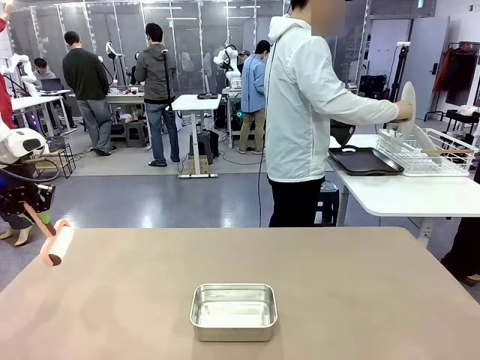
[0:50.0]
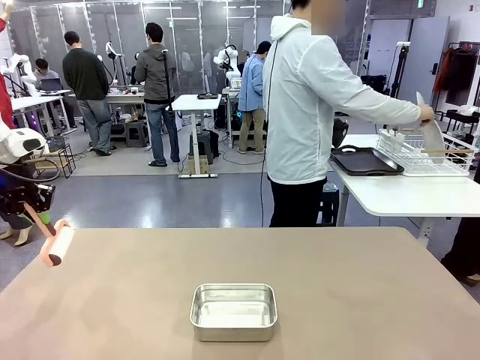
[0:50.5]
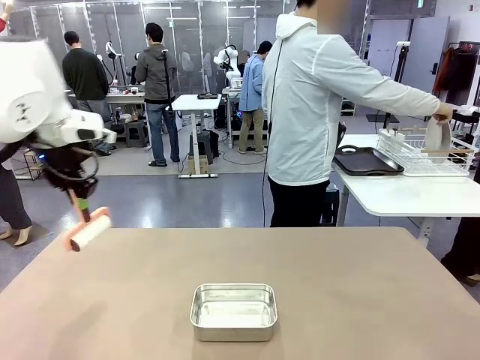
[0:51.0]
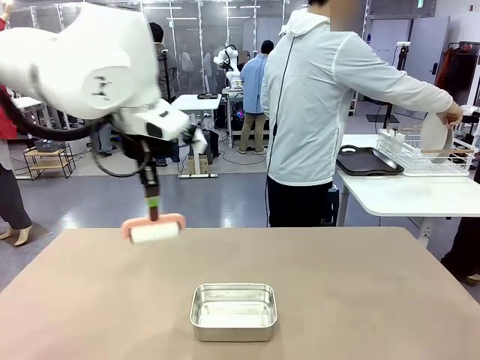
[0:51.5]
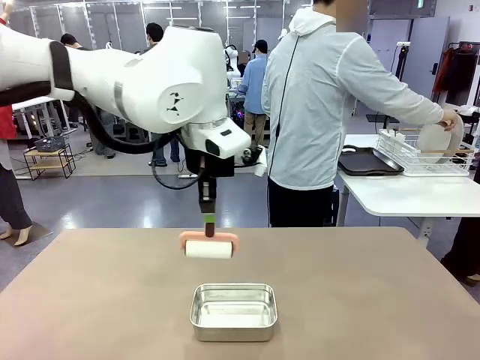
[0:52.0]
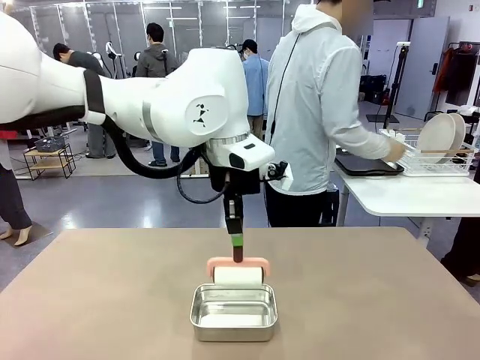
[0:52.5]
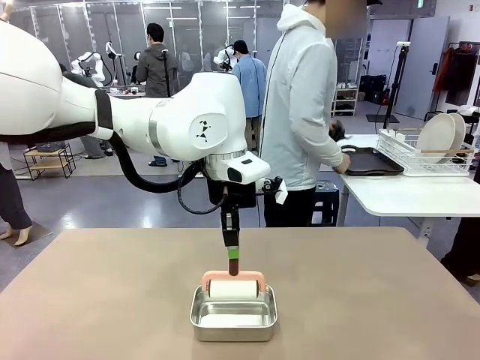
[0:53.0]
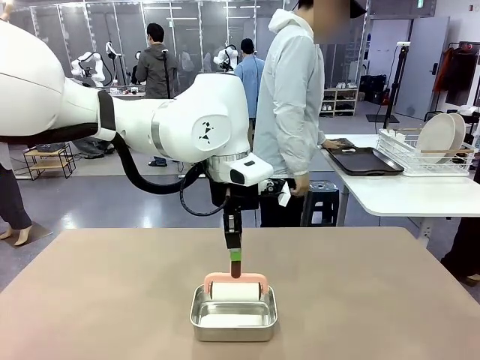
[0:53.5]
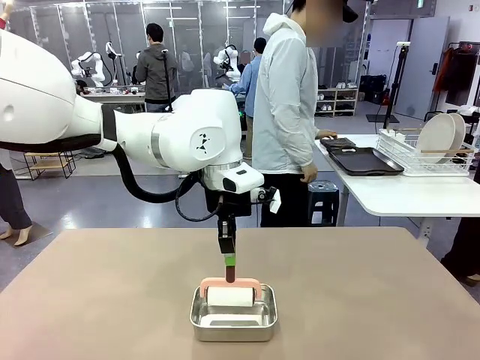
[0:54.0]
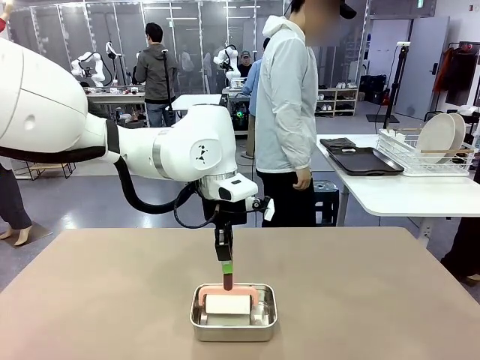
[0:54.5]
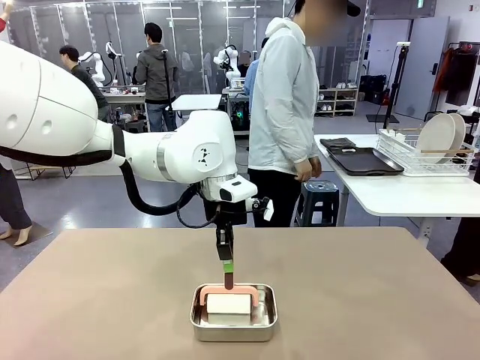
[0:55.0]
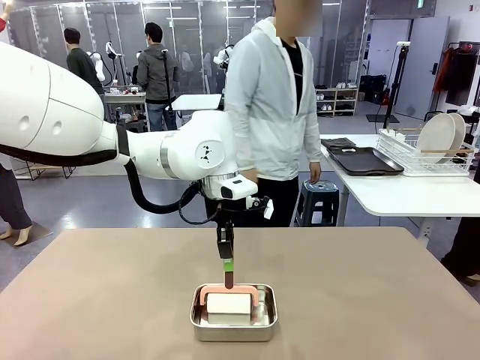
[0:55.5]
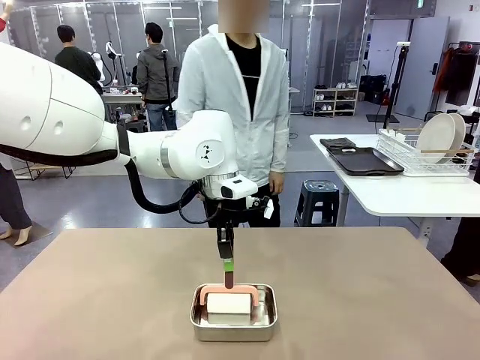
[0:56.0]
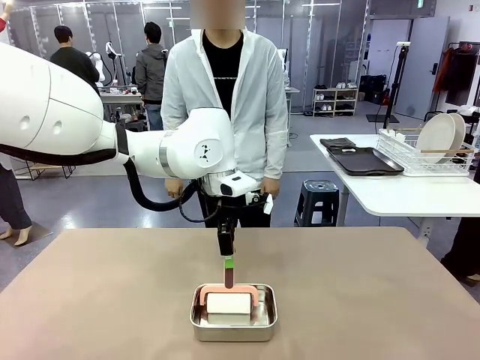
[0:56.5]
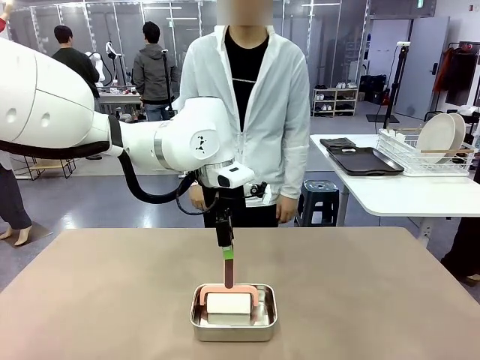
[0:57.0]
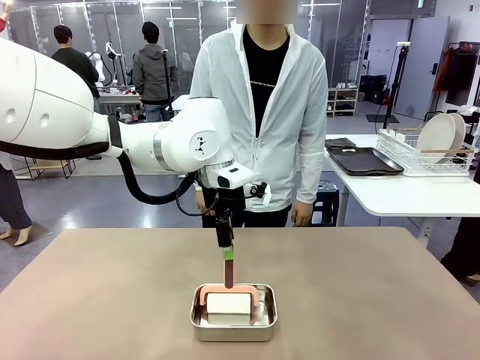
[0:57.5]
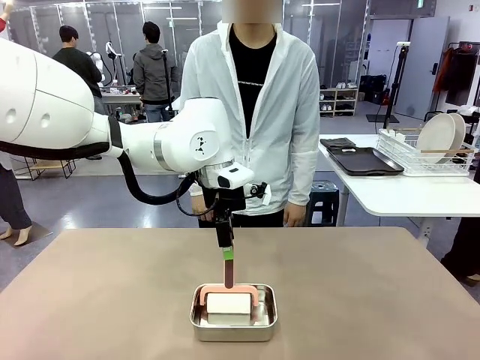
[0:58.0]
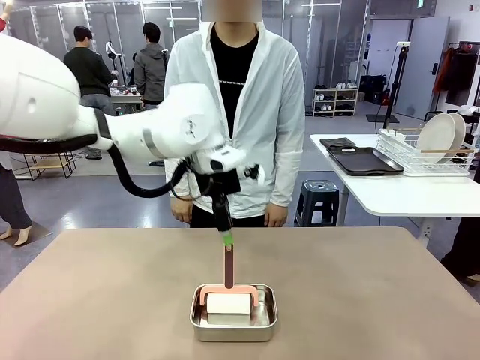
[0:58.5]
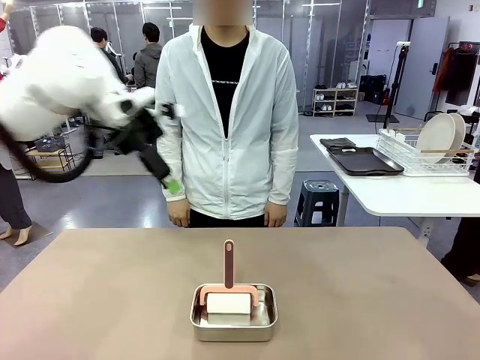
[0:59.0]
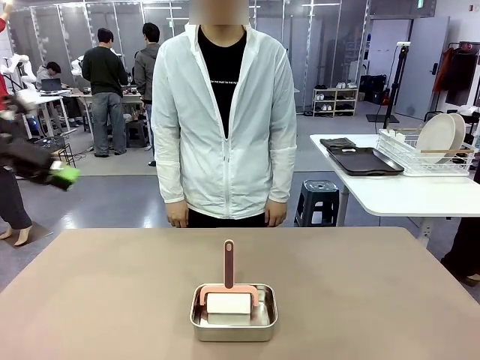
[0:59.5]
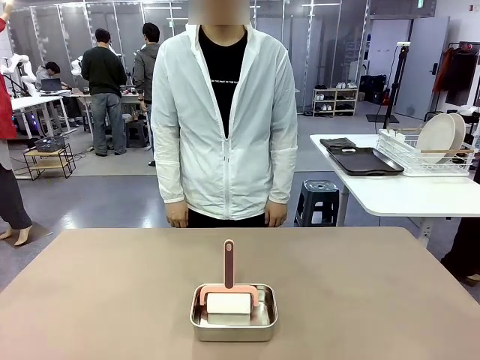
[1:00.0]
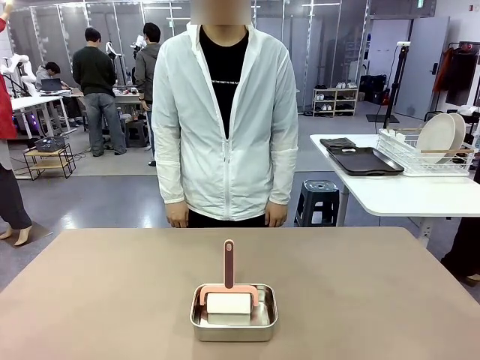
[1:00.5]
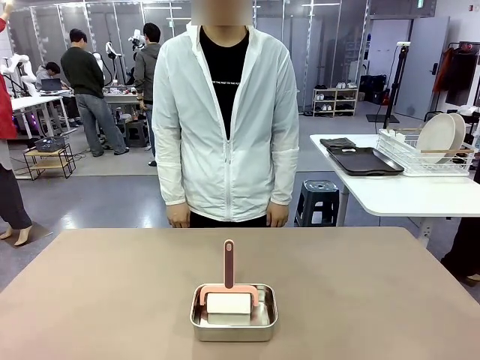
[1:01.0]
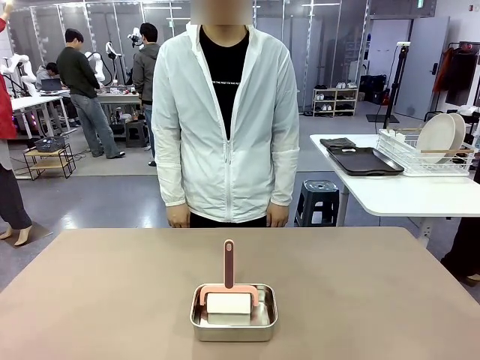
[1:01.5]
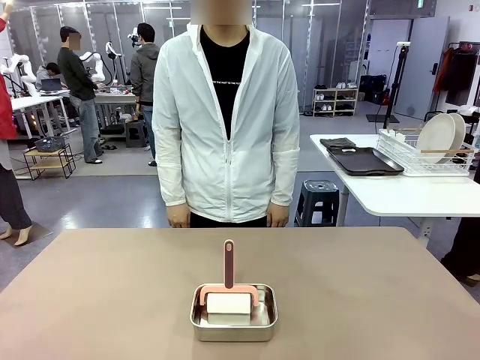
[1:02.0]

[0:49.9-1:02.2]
Robot: Place the Lint Roller back on top of the Airtight Container.

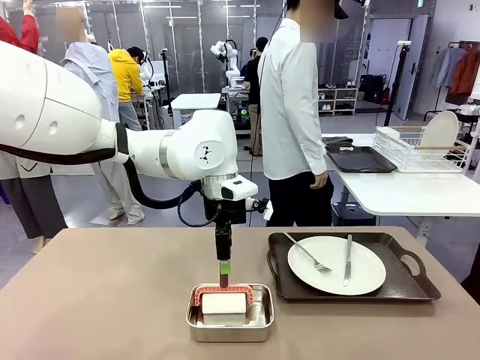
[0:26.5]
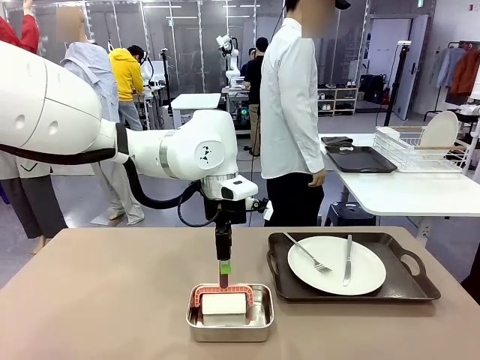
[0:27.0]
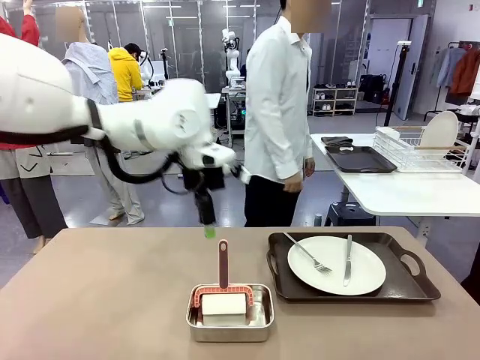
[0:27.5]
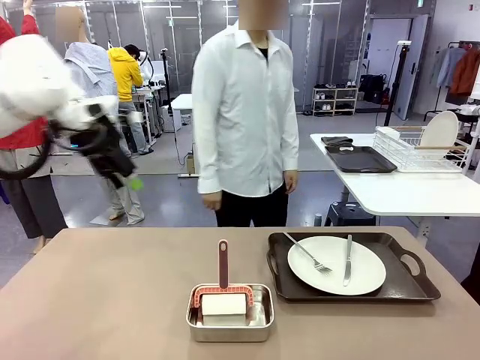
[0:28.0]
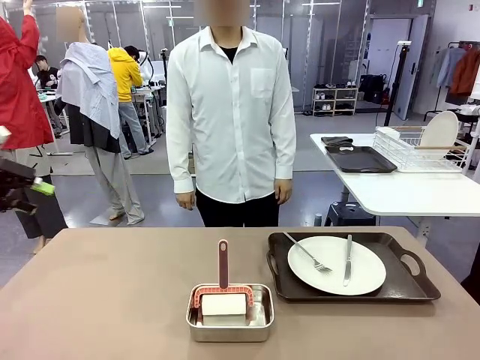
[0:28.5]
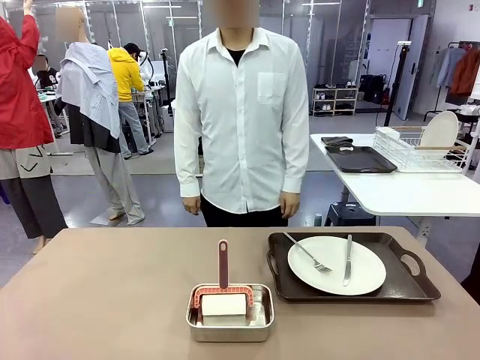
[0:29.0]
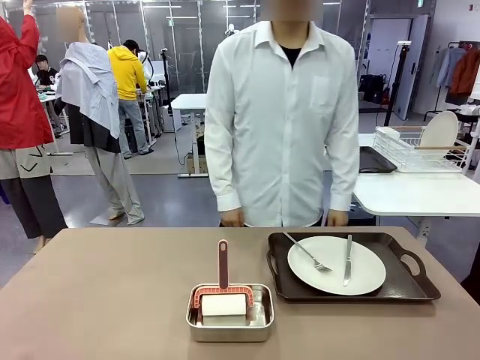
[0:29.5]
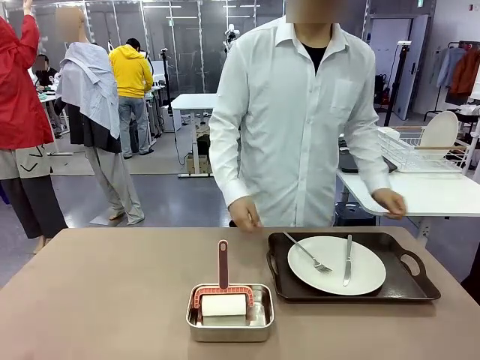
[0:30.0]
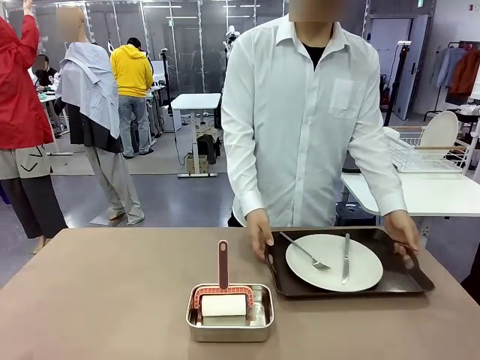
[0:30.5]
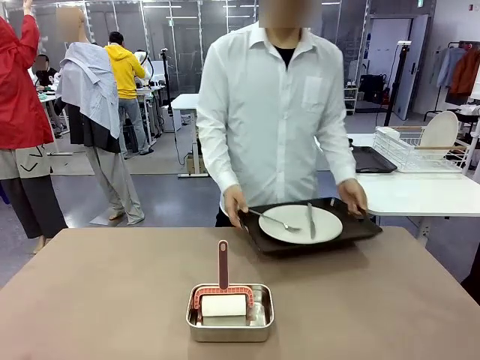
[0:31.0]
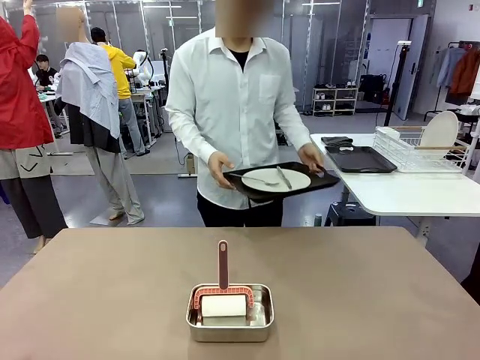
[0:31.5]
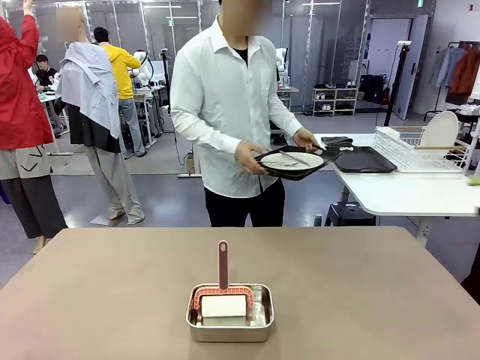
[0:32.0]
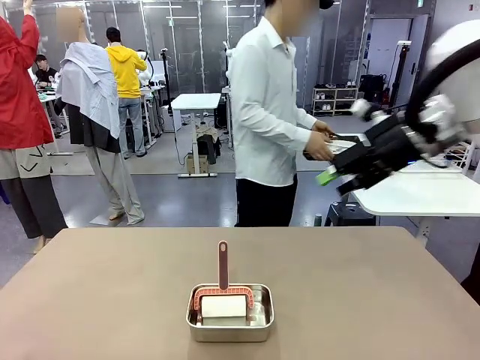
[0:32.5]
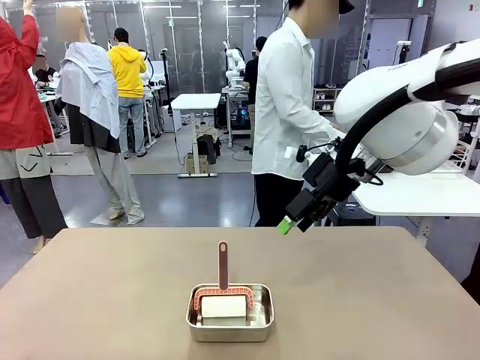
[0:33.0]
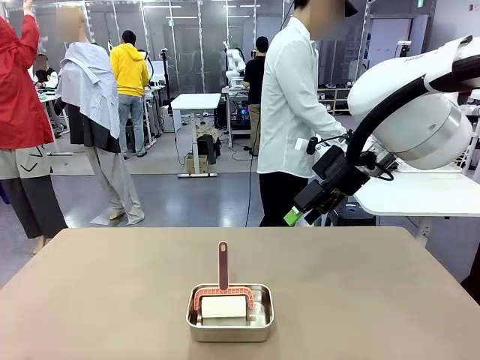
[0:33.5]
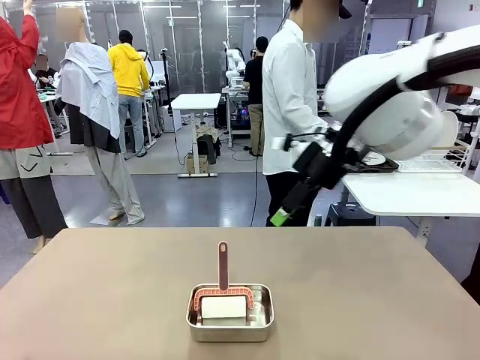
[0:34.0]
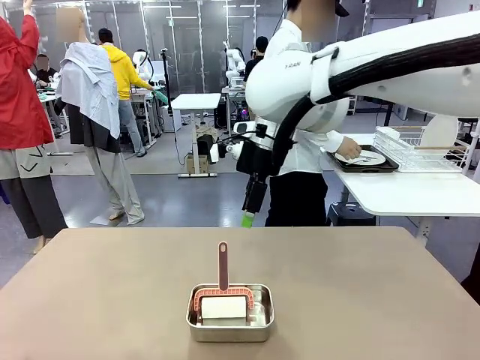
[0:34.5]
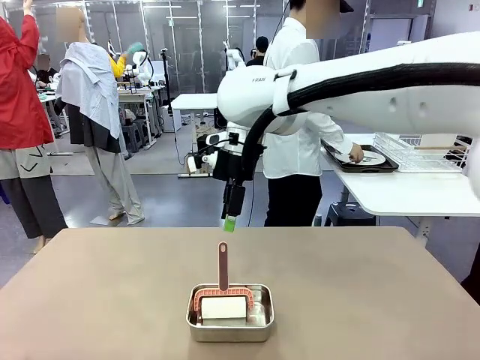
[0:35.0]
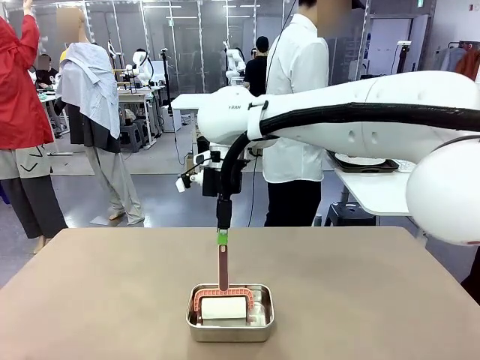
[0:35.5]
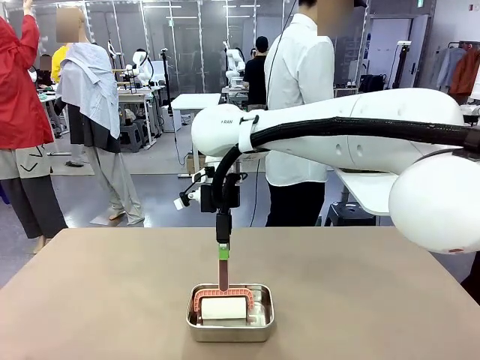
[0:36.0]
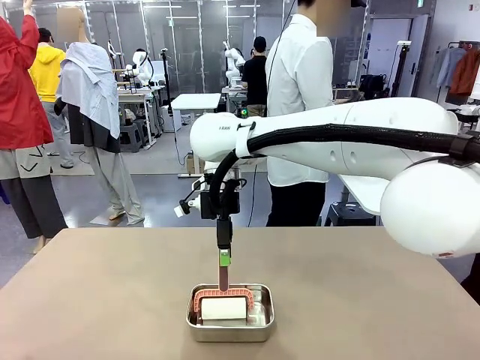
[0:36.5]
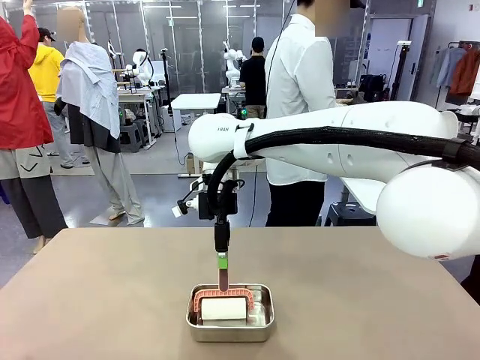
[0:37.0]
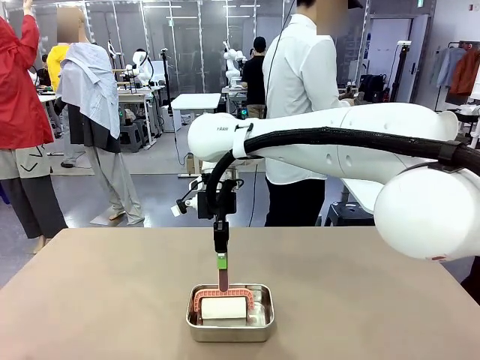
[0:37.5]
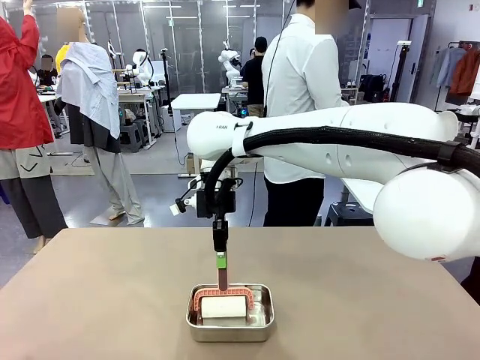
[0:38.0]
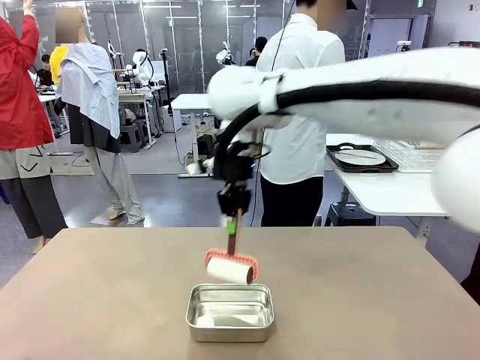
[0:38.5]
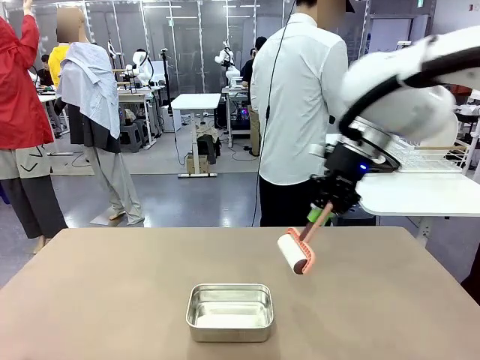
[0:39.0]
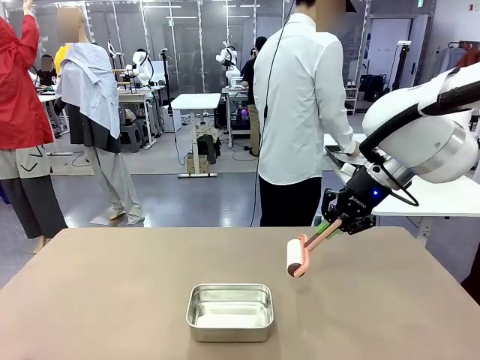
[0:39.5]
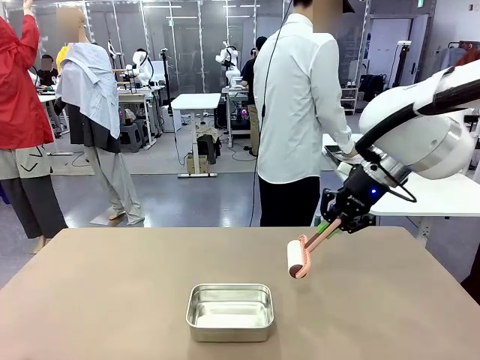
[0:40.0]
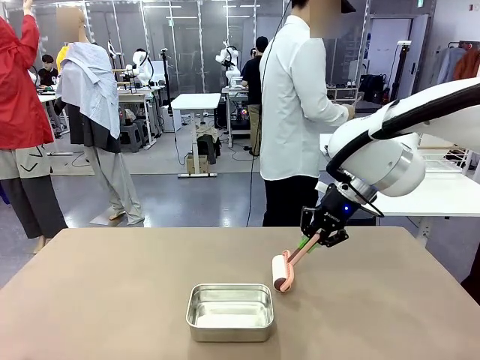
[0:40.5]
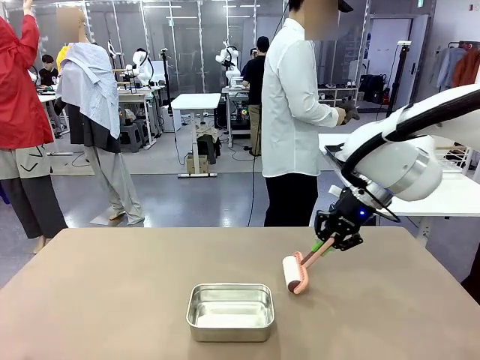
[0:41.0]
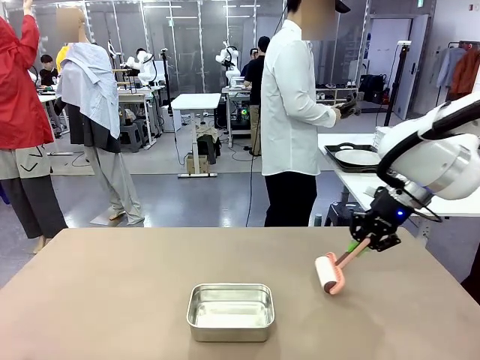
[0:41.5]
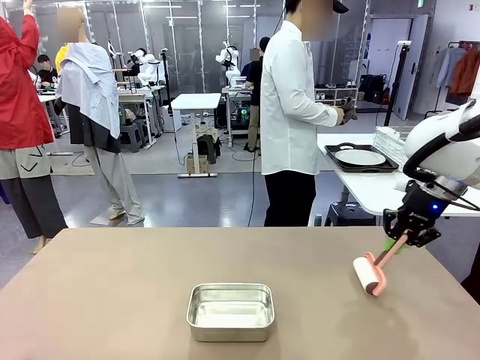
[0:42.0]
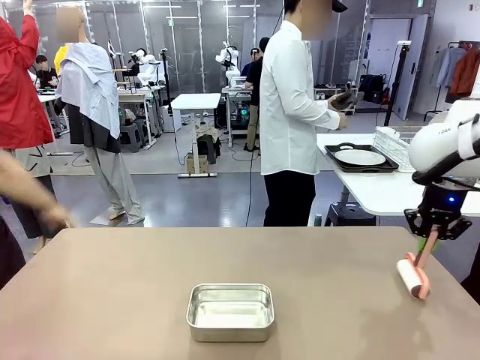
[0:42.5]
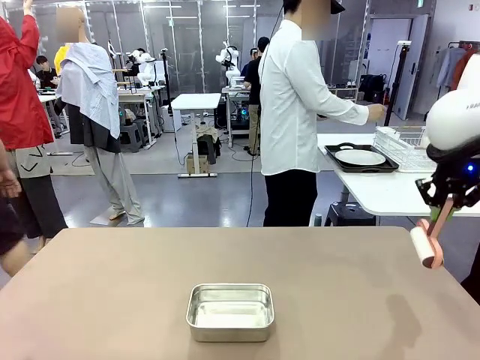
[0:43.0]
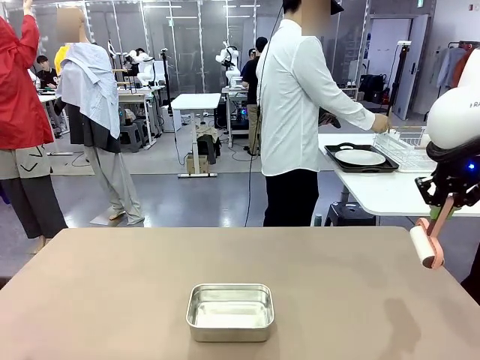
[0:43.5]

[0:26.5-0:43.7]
Robot: When the right (or left) Handle tray is removed, use the right hand (or left hand) to clean the right (or left) side of the table with the Lint Roller.
Person: Pick up the left (or right) Handle tray and place it on the Handle tray.
